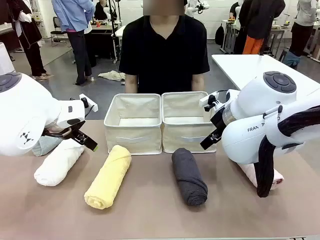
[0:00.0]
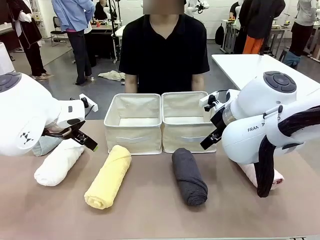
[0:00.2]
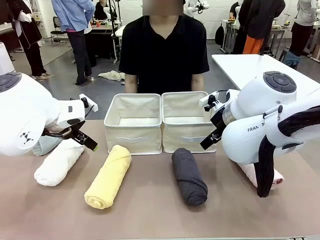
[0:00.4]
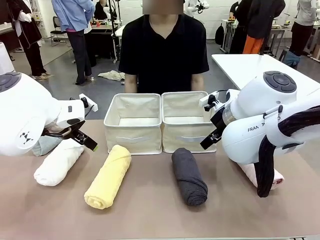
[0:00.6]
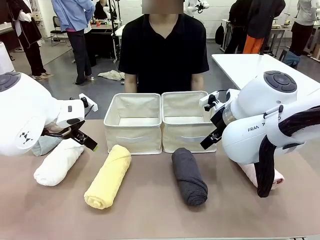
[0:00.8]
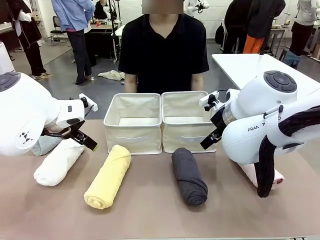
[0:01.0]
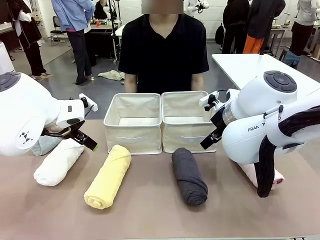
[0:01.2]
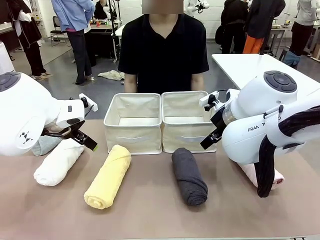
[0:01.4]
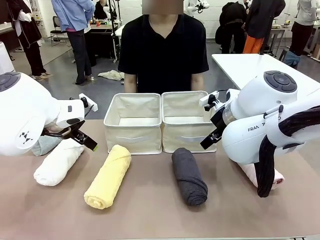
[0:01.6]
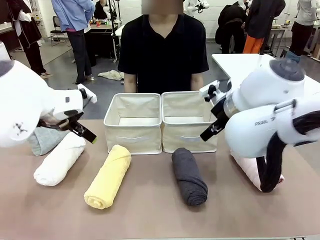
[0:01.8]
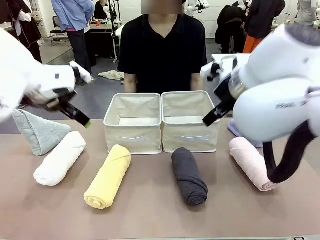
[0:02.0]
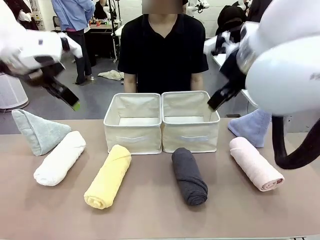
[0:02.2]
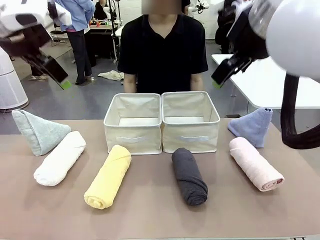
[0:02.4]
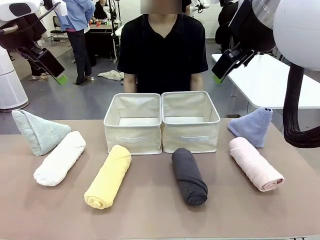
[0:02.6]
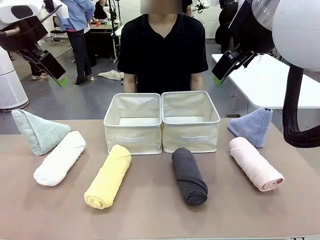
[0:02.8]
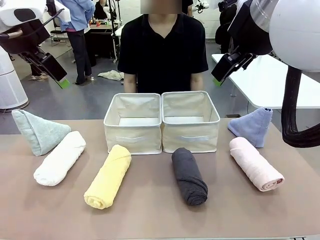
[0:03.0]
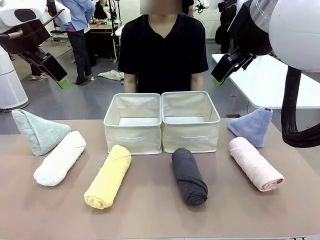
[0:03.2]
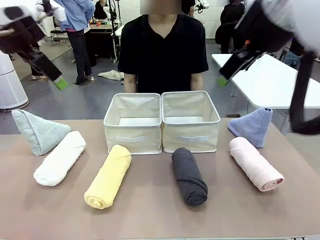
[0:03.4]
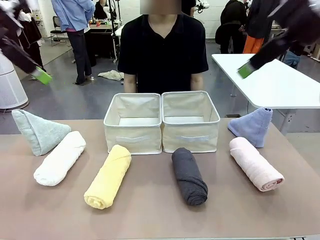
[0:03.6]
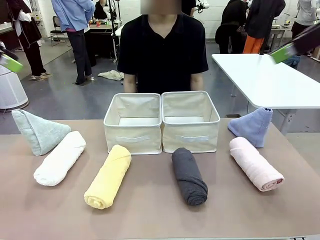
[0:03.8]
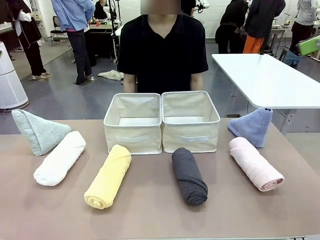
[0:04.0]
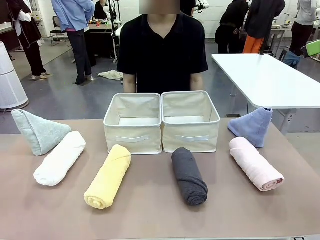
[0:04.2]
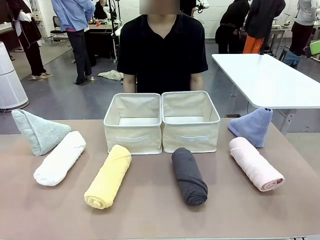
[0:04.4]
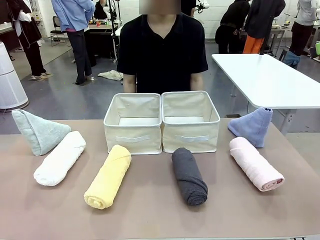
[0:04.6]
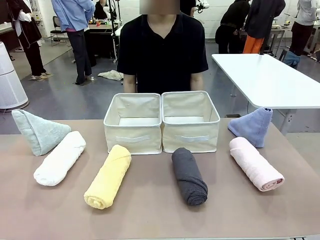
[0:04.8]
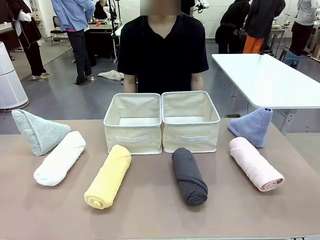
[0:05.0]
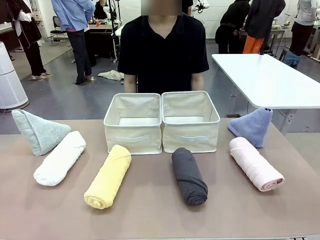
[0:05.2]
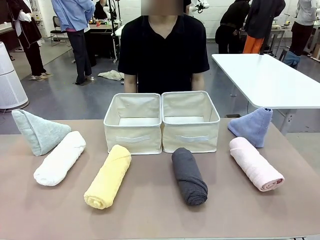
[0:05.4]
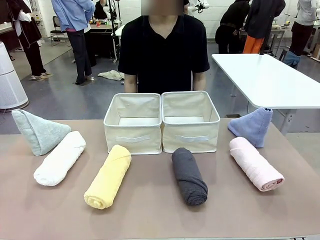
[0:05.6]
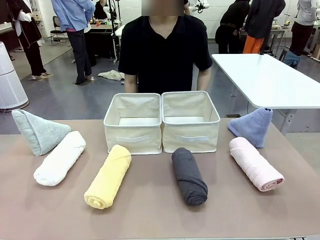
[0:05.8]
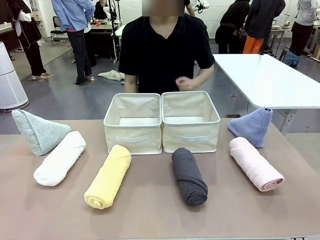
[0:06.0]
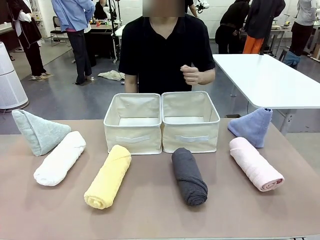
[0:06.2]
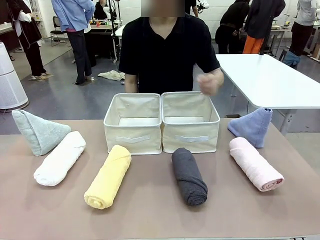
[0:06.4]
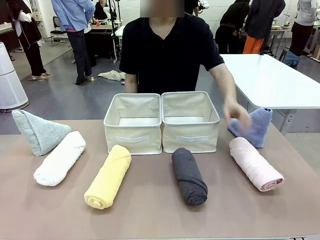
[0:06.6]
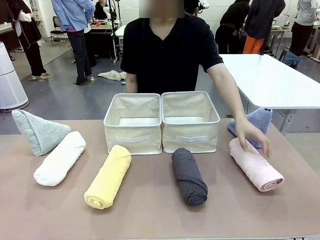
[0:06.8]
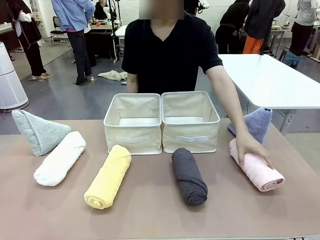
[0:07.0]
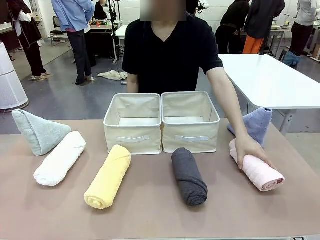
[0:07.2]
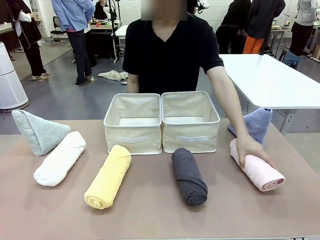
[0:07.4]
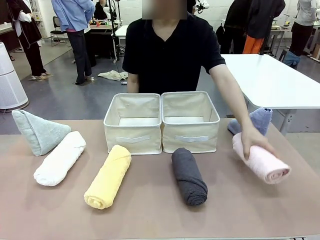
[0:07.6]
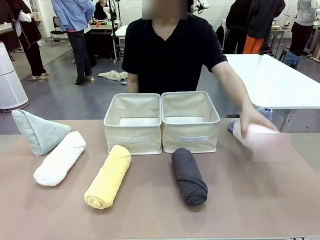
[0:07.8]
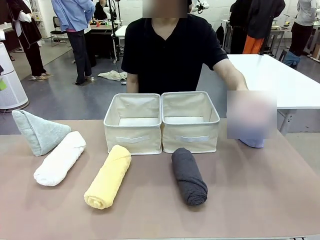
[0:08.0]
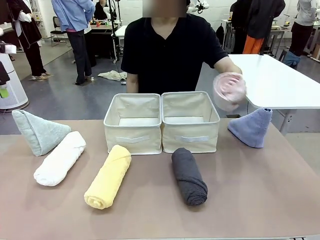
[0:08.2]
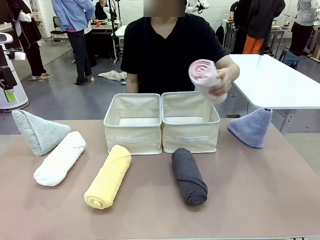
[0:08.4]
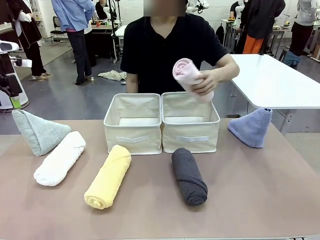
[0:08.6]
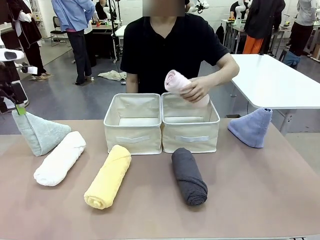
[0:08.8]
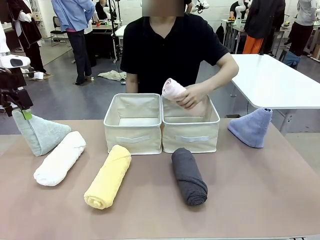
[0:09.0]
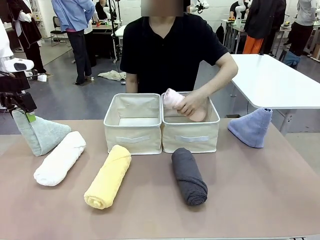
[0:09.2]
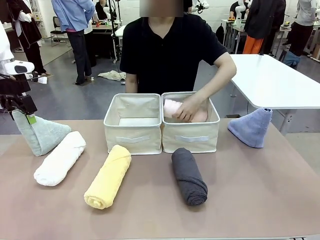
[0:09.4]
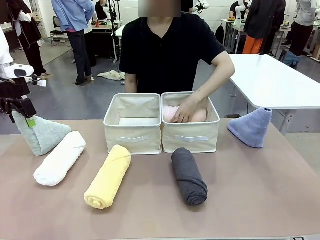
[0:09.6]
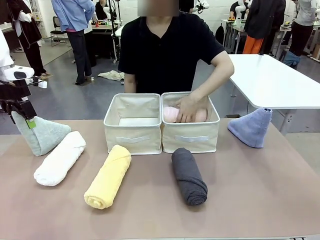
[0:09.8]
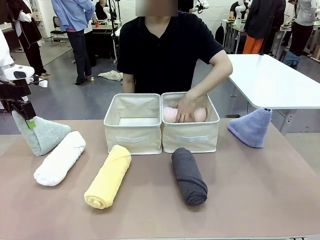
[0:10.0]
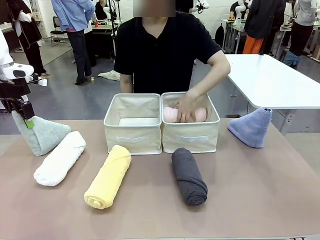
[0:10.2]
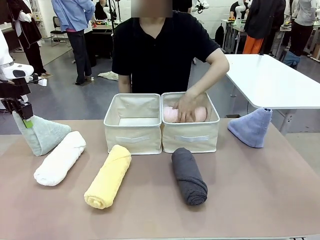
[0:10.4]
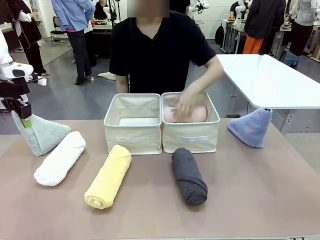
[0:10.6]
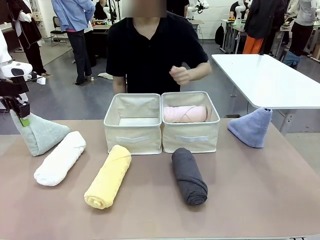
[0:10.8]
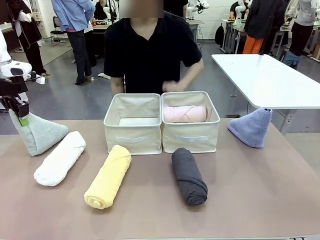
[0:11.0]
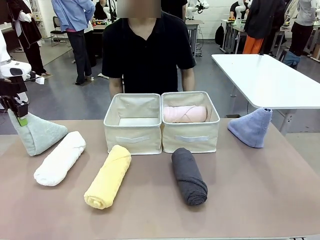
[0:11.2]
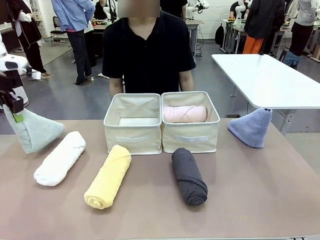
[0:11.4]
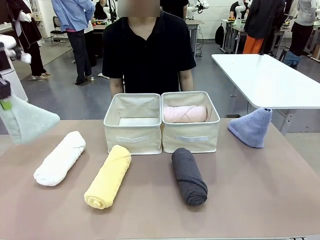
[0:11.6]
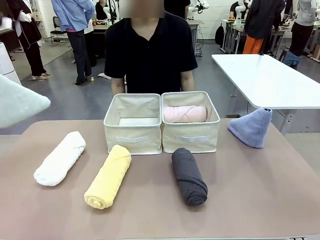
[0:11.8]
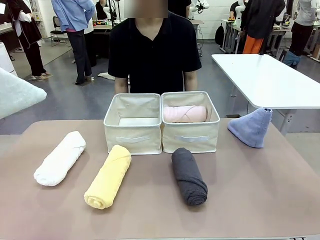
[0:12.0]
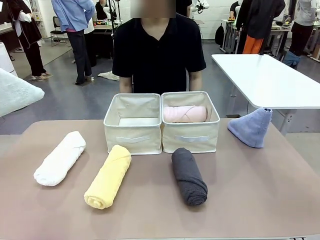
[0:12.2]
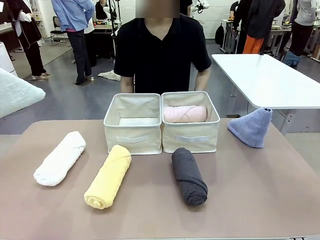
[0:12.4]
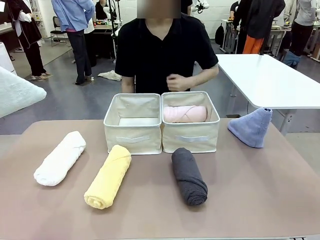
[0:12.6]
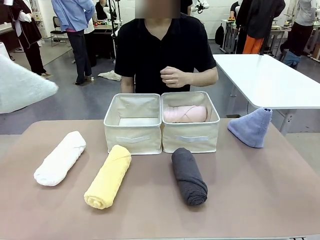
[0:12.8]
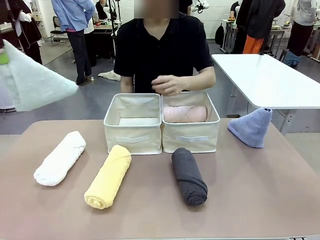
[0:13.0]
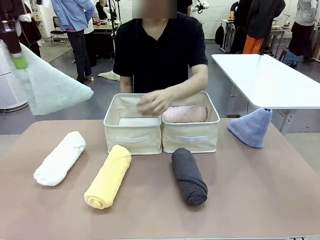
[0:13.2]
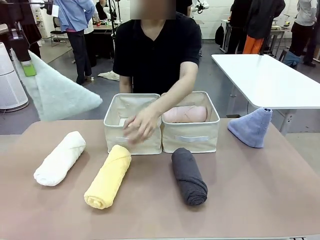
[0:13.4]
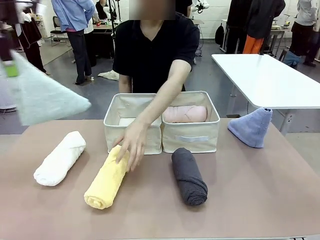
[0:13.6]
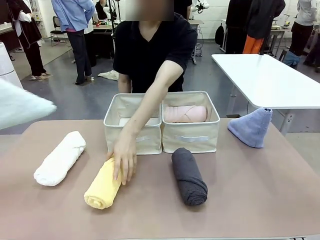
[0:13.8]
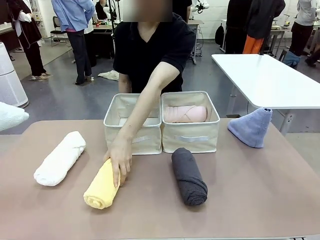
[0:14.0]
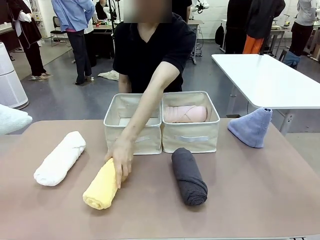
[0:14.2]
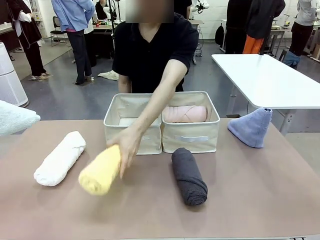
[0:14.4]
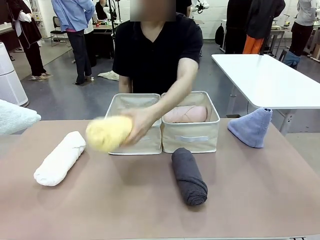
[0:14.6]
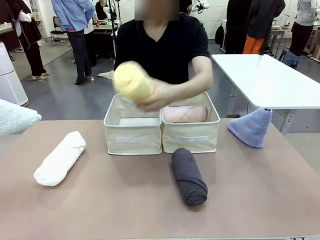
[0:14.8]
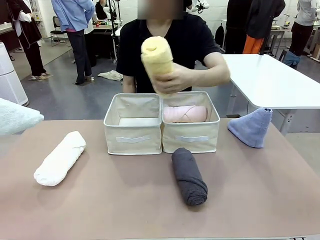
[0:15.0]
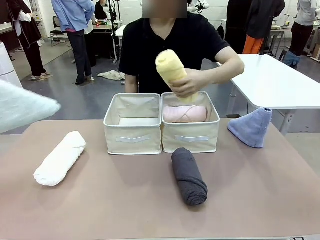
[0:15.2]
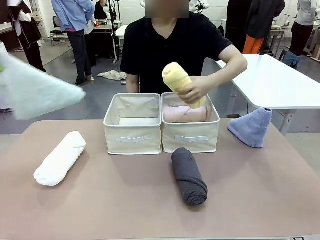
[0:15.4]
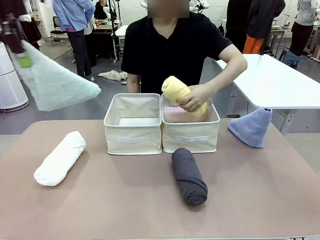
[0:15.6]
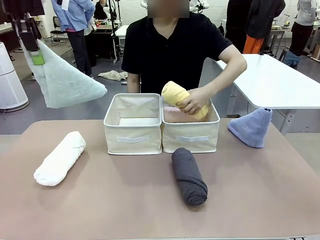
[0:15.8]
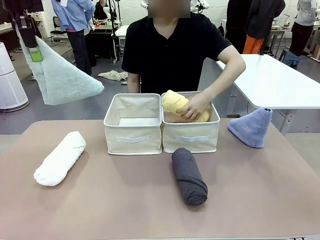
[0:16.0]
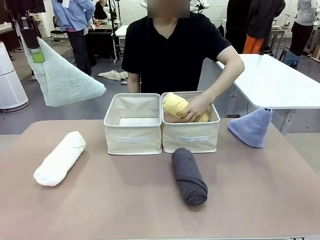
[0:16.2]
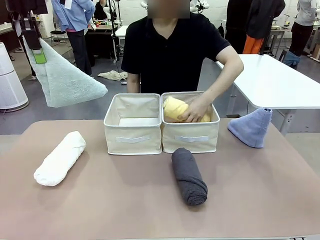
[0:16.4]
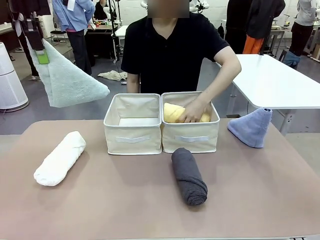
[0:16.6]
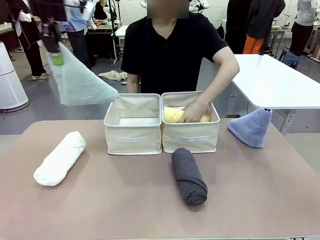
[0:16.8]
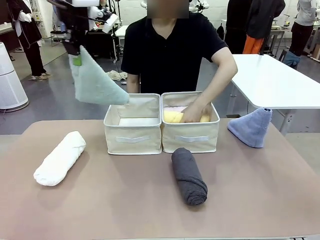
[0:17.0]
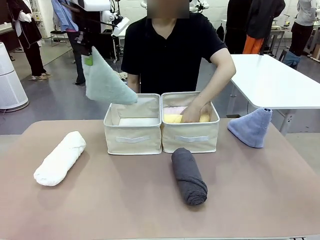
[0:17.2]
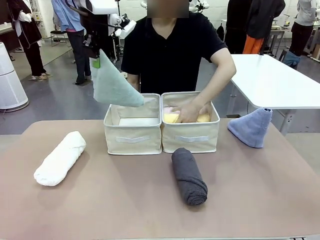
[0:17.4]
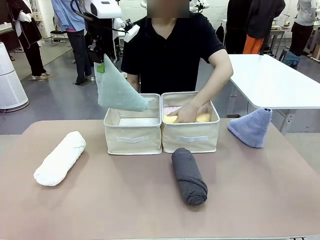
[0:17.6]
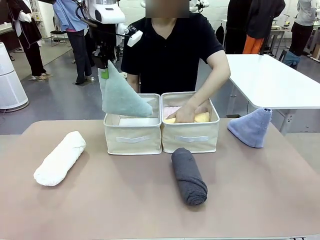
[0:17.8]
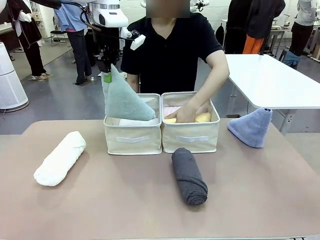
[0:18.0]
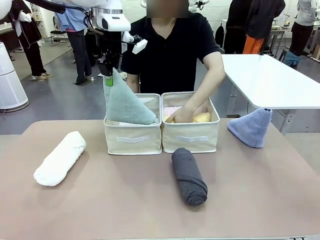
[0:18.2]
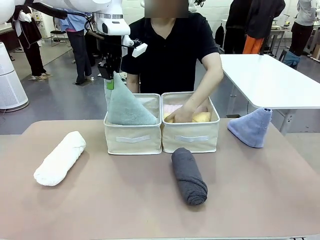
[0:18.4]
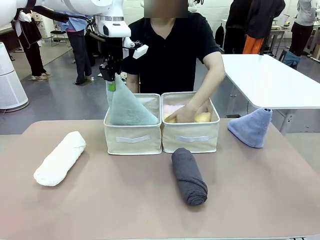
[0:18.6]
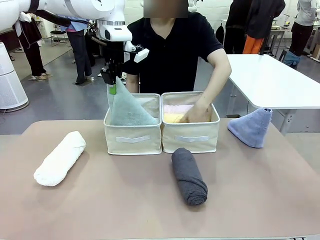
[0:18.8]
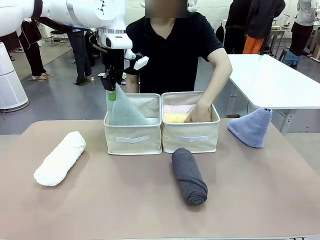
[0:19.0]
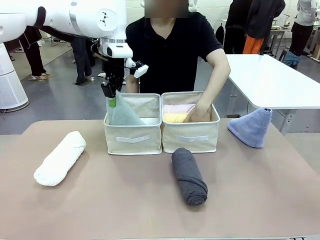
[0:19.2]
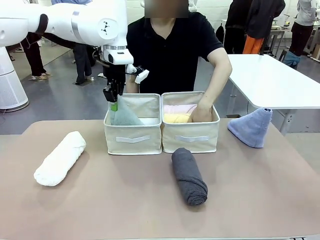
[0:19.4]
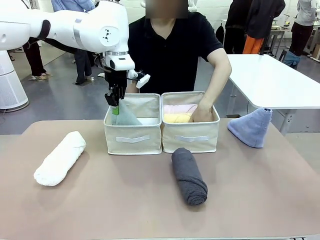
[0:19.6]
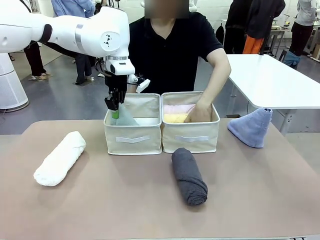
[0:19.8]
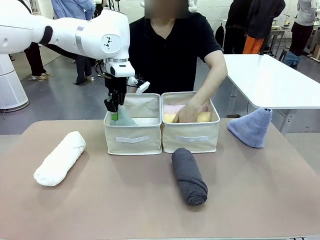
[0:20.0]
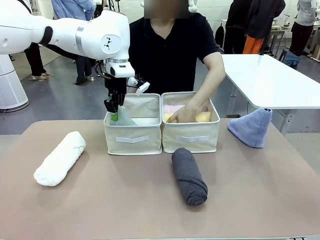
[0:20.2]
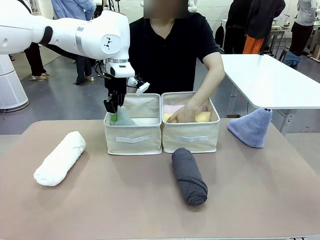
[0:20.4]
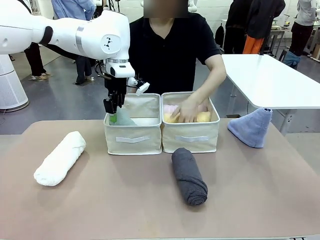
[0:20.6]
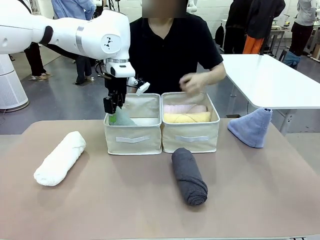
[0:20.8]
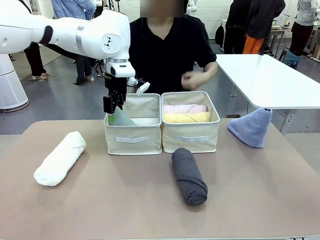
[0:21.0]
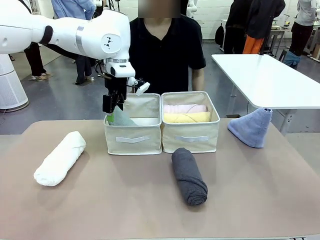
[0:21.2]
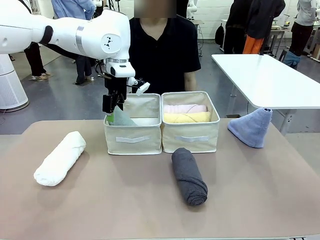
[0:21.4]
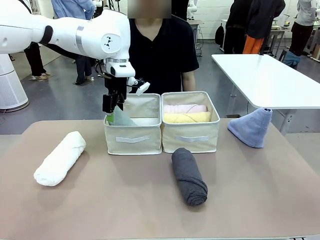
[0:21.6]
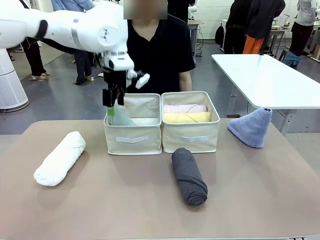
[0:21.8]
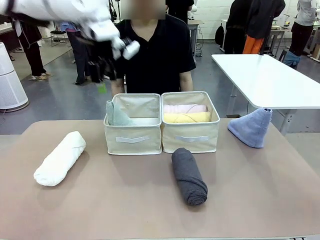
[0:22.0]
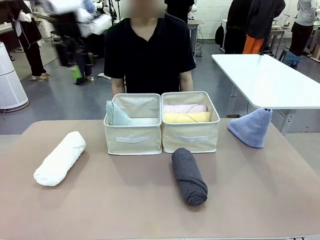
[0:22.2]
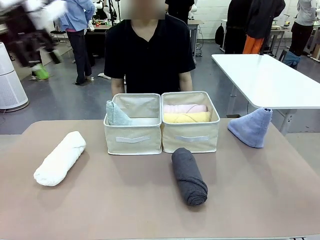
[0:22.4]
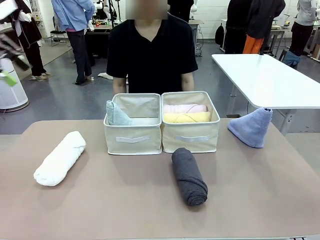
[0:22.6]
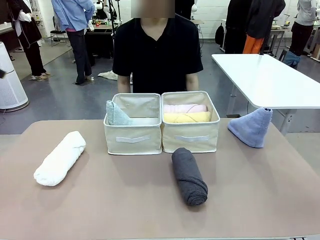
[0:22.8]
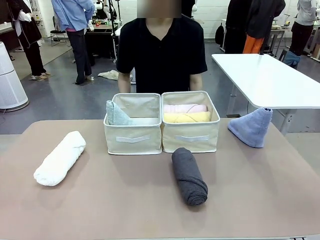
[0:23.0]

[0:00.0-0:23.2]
Task: Sort the towels based on their folding style.
Robot: Pick up one triangle-folded towel and place it in the left Fabric basket.
Person: Pick up one hotel-style rolled towel and place it in the left fabric basket.
